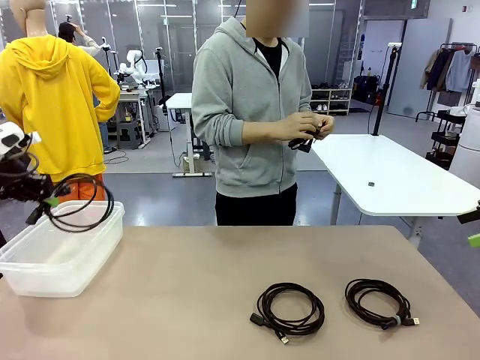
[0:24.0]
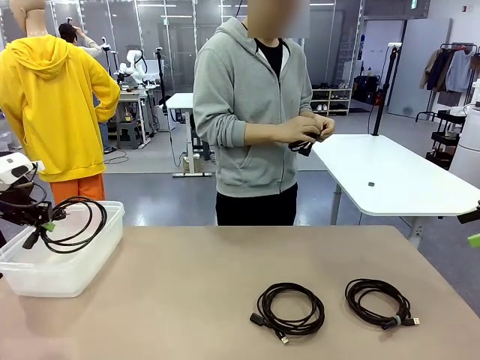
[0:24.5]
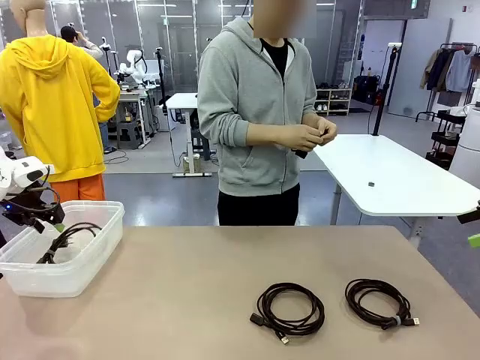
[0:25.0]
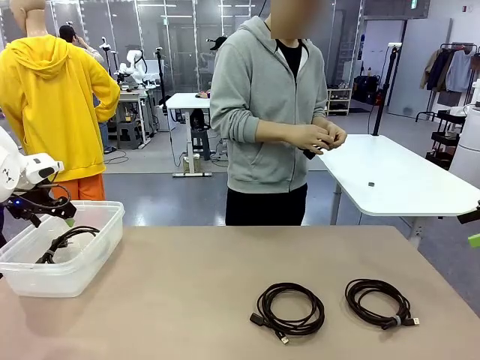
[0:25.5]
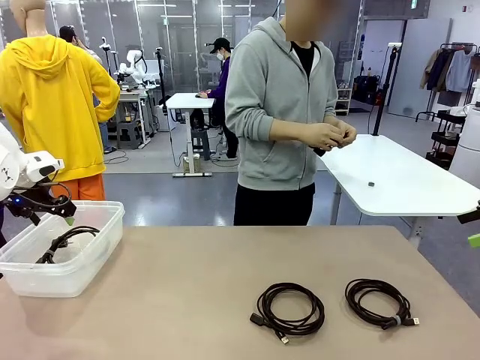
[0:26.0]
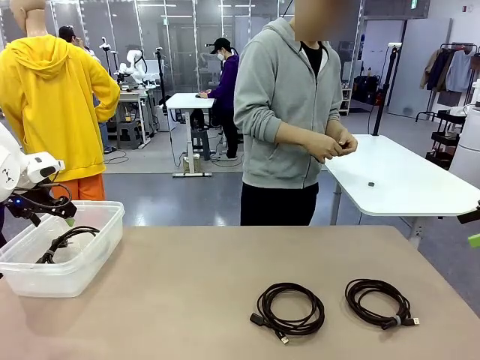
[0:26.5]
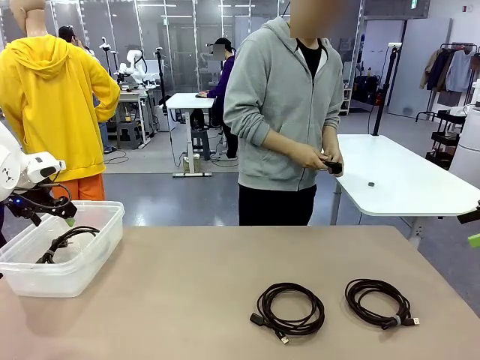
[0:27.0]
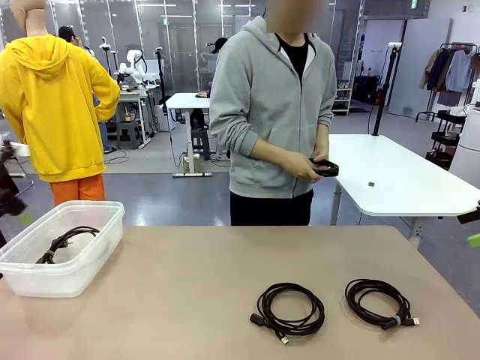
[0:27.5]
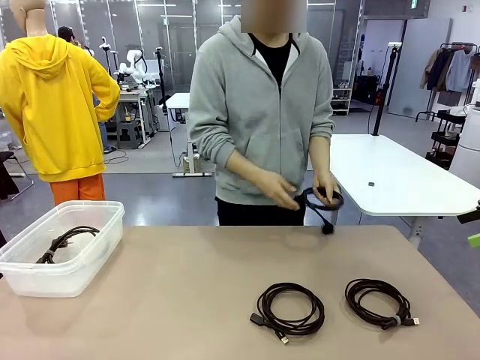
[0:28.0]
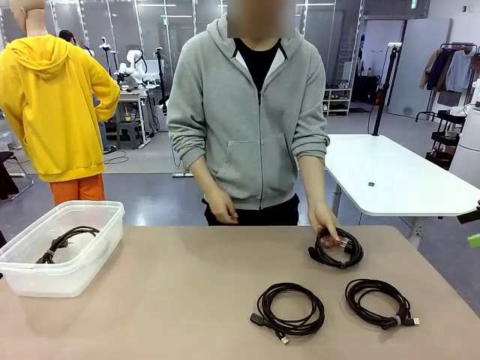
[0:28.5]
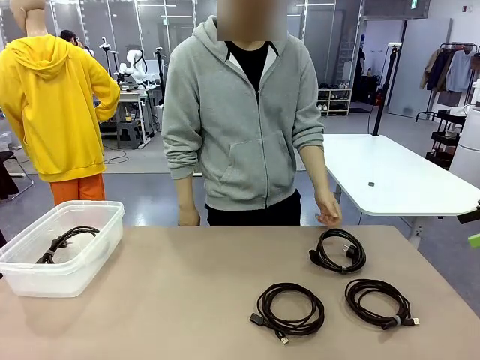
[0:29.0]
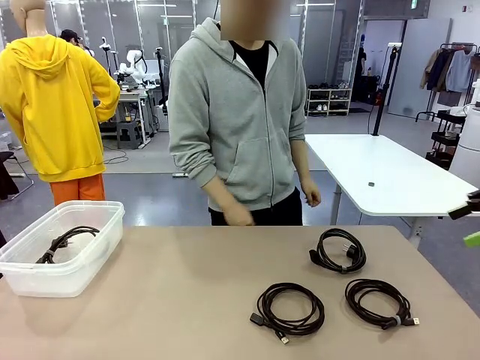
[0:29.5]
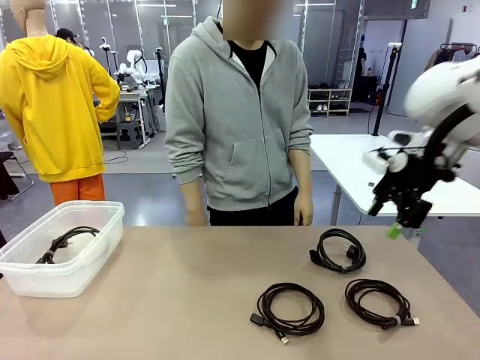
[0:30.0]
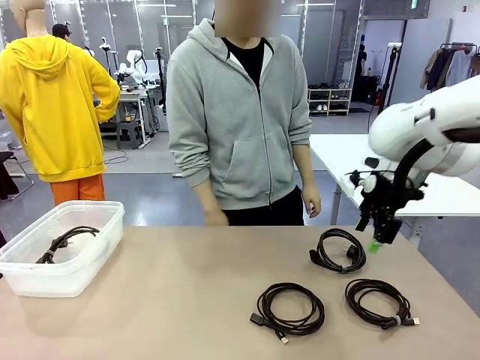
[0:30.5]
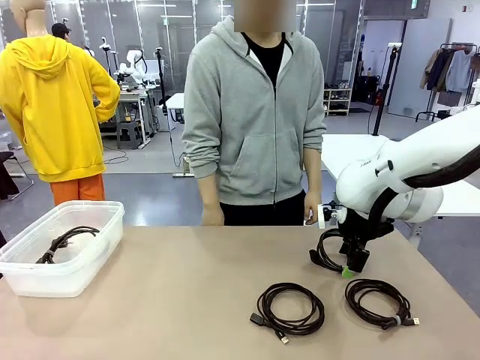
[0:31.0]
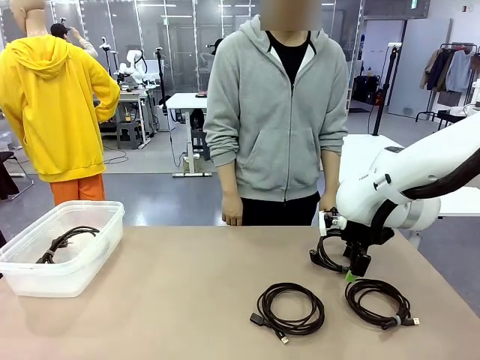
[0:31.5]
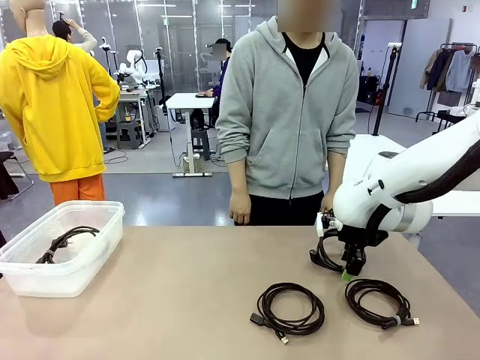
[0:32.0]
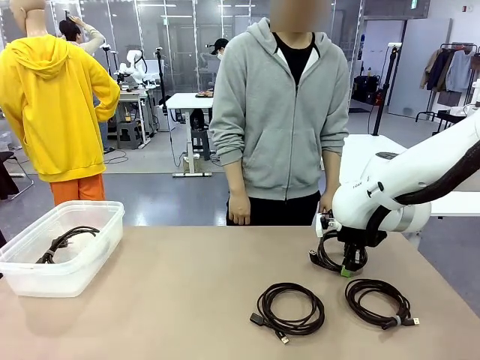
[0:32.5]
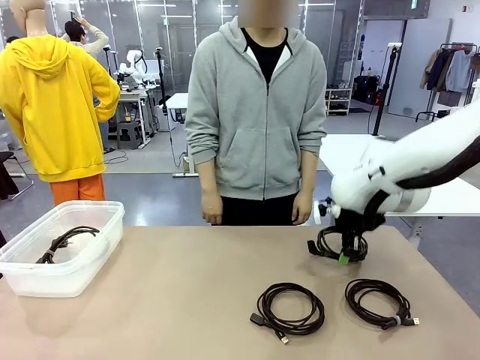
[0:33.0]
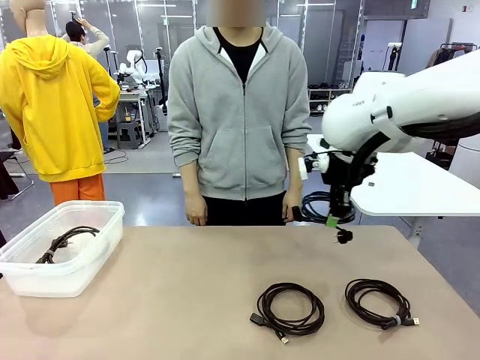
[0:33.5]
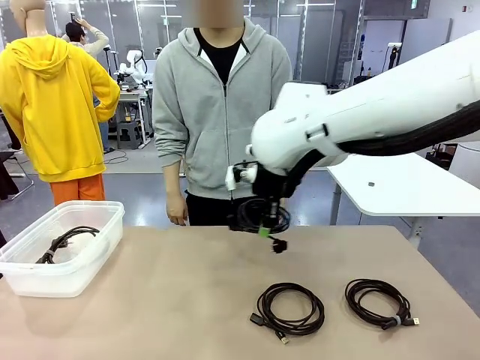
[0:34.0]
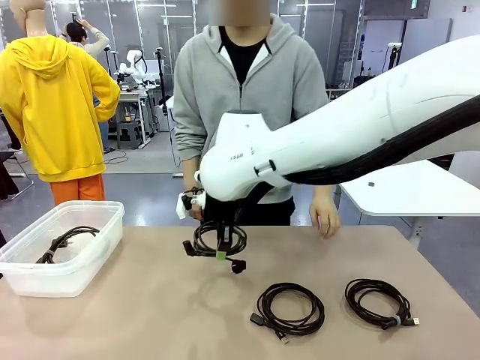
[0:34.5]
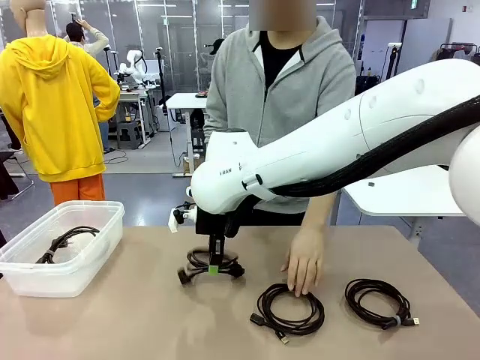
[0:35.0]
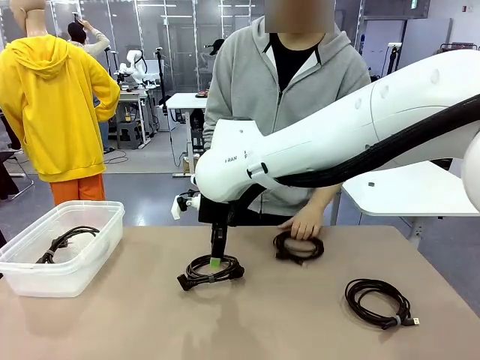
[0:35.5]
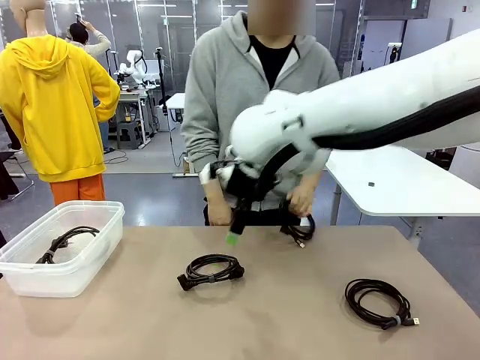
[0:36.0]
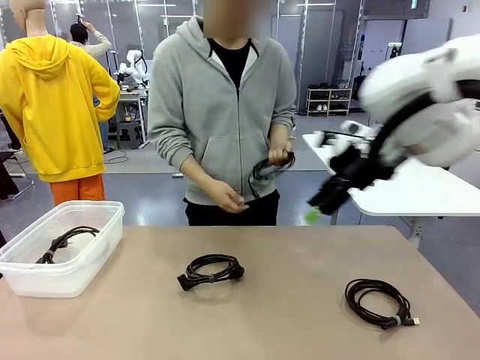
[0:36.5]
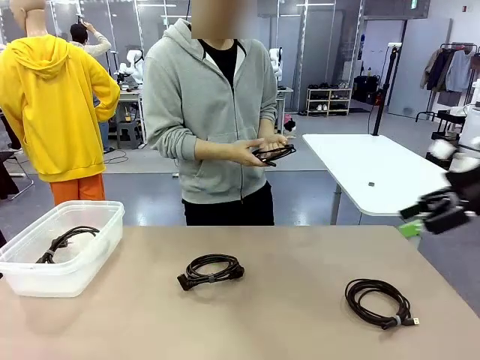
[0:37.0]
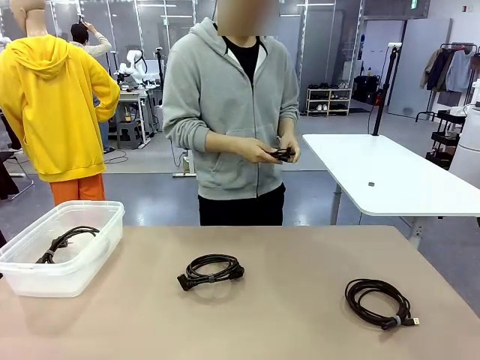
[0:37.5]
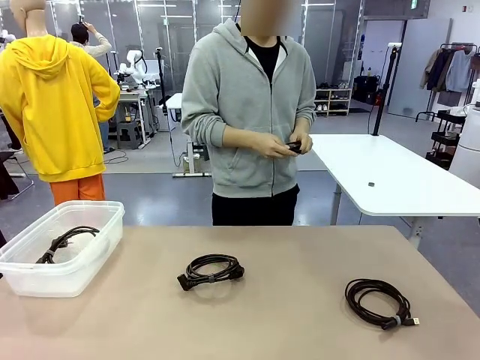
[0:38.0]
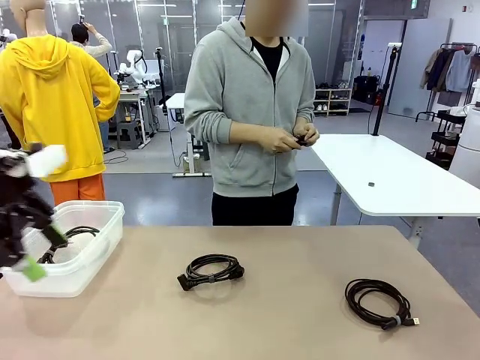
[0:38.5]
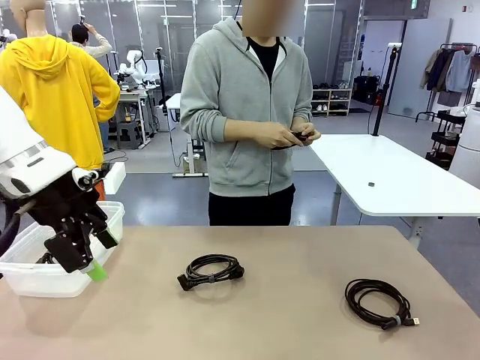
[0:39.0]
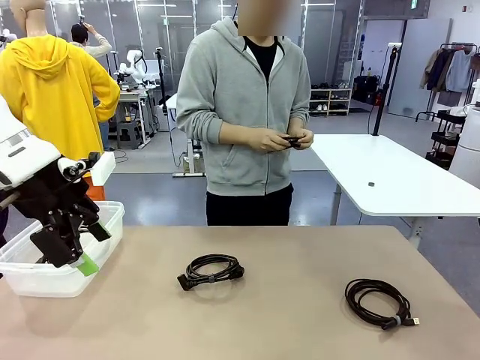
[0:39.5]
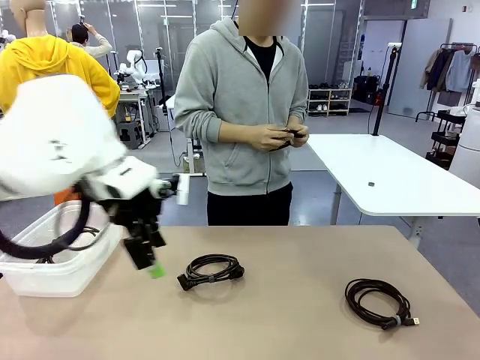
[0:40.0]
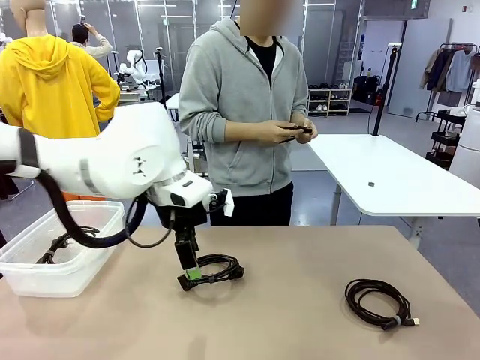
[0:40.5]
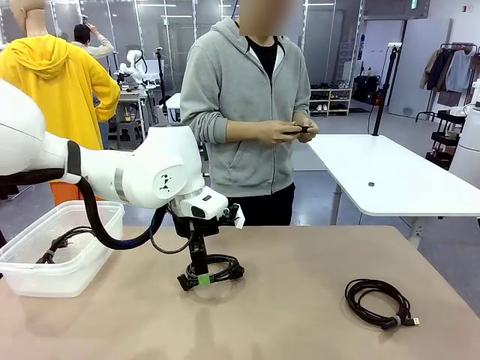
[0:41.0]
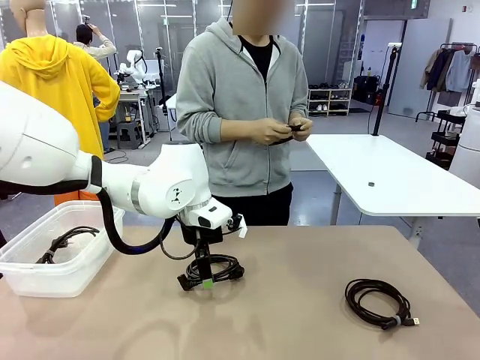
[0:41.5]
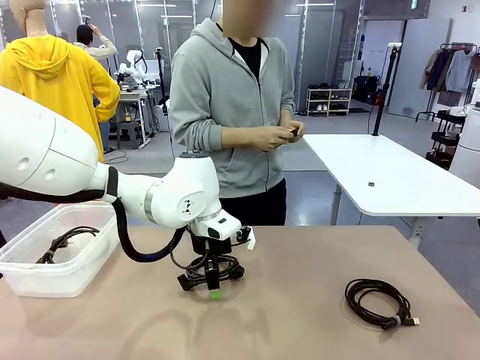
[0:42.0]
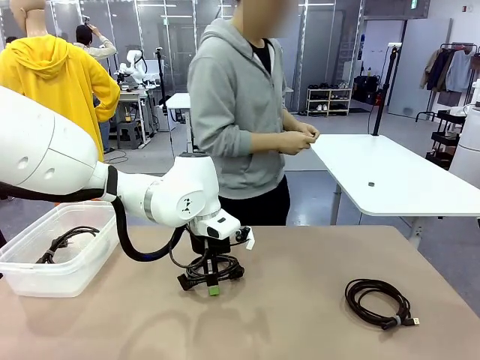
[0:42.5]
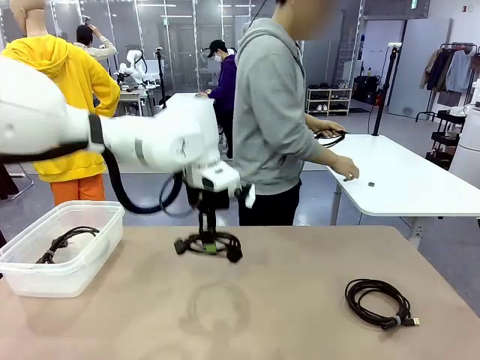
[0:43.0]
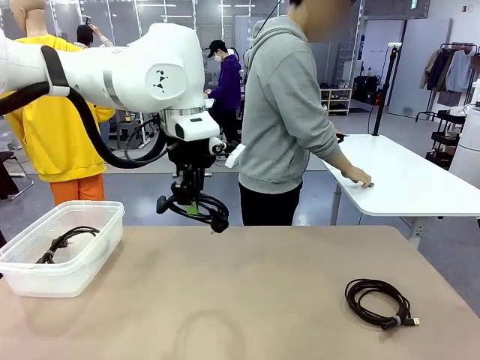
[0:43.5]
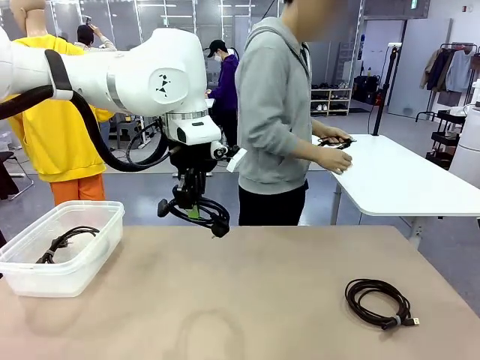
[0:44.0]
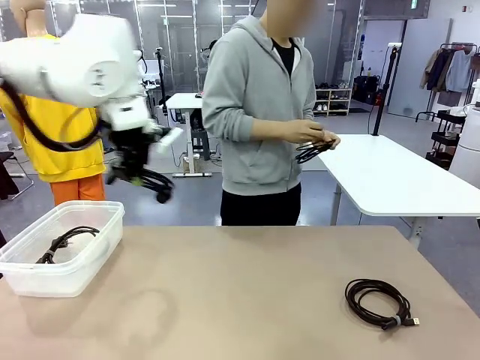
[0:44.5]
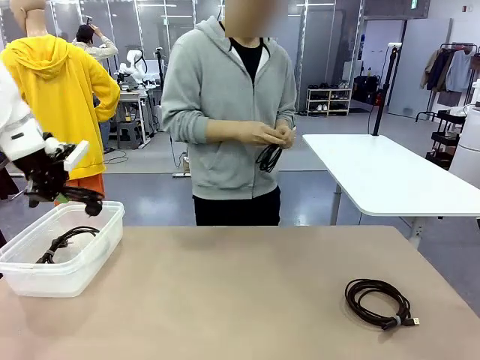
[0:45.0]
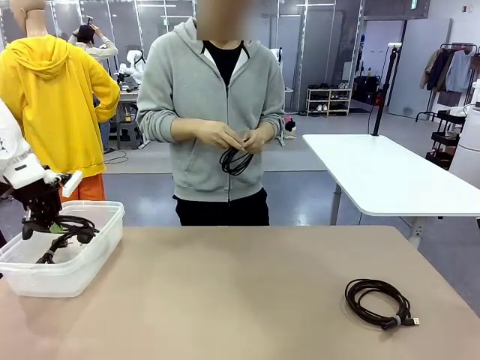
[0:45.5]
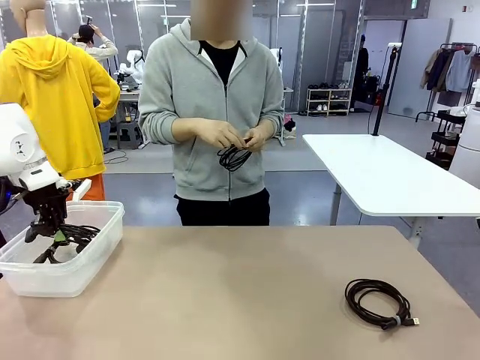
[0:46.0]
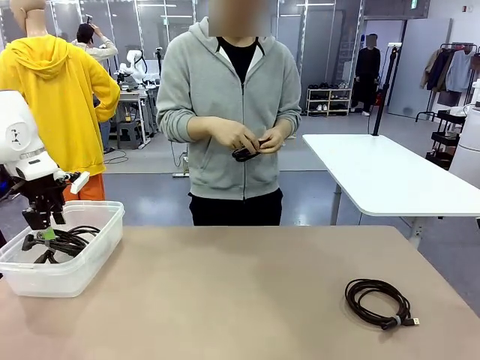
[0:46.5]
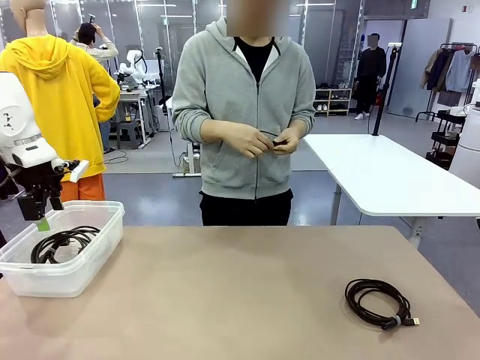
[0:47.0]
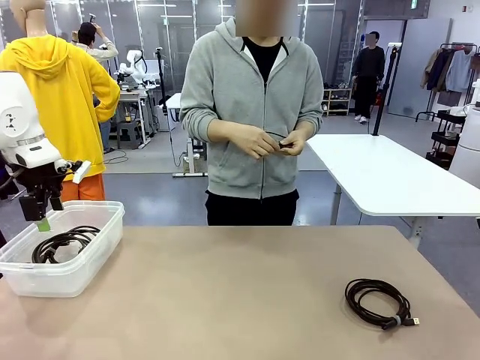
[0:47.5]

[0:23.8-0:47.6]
Task: Organize and store the cables.
Robot: Place the Power Cable into the Organizing box.
